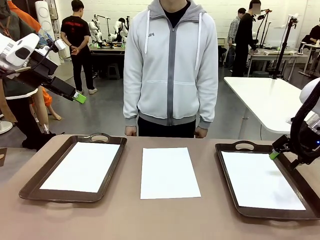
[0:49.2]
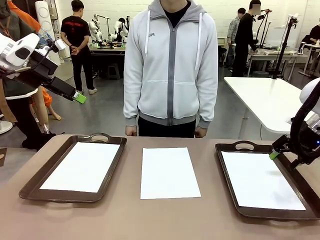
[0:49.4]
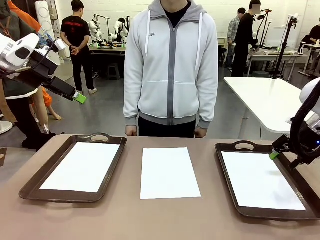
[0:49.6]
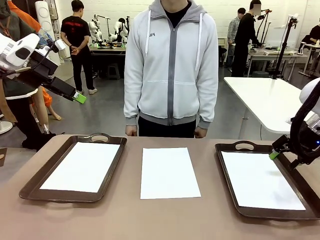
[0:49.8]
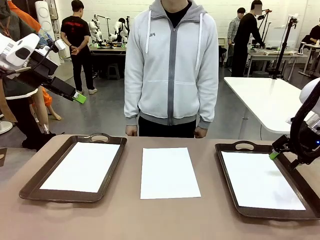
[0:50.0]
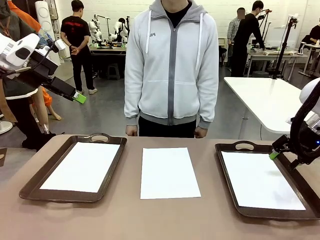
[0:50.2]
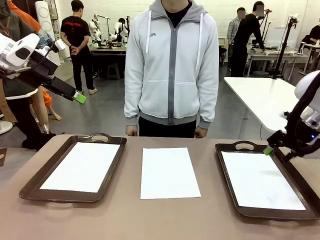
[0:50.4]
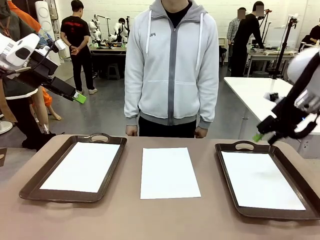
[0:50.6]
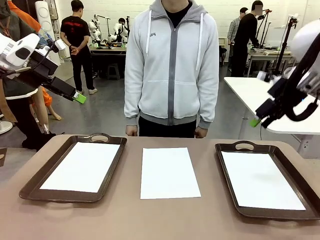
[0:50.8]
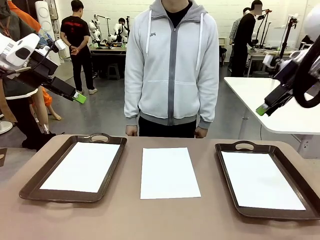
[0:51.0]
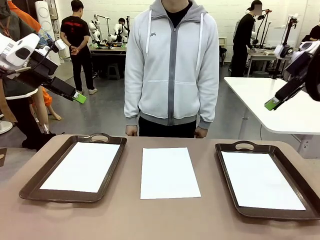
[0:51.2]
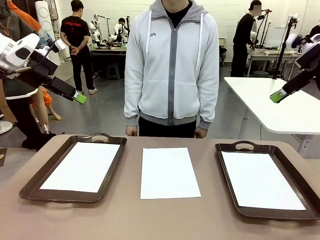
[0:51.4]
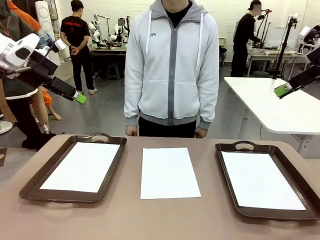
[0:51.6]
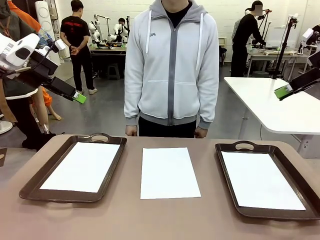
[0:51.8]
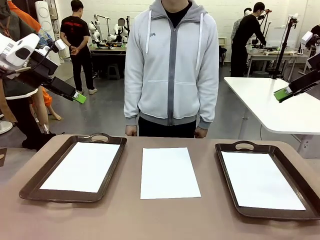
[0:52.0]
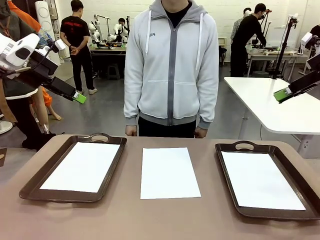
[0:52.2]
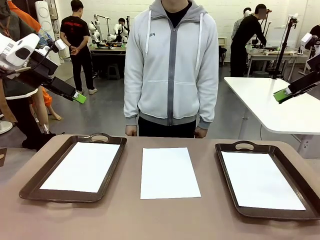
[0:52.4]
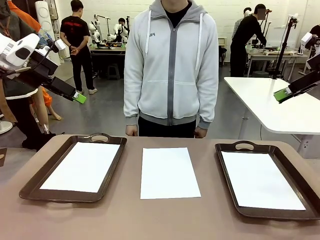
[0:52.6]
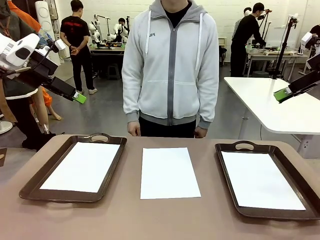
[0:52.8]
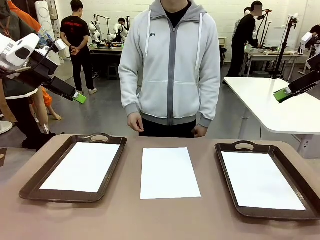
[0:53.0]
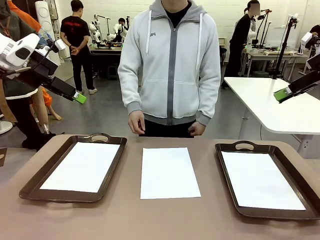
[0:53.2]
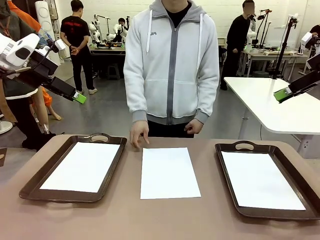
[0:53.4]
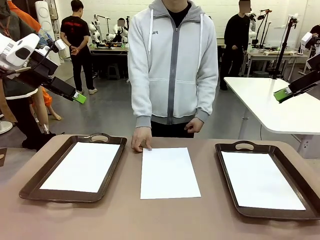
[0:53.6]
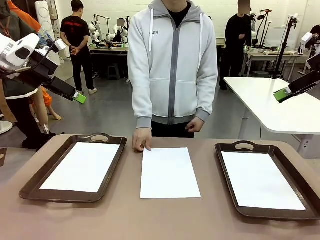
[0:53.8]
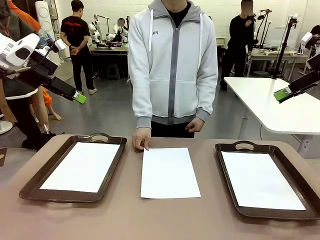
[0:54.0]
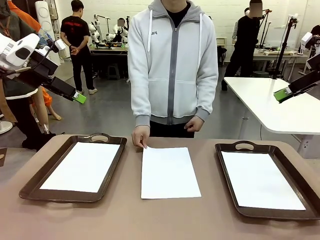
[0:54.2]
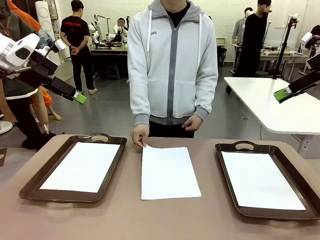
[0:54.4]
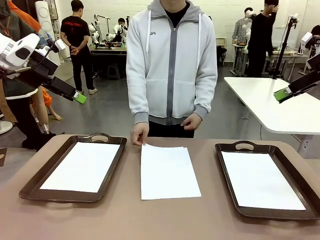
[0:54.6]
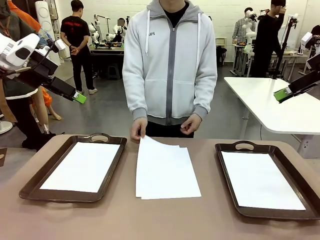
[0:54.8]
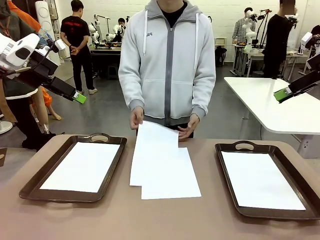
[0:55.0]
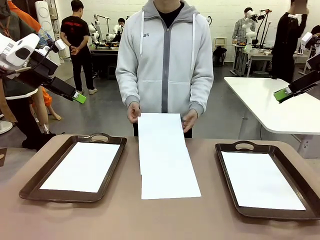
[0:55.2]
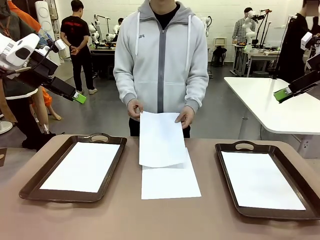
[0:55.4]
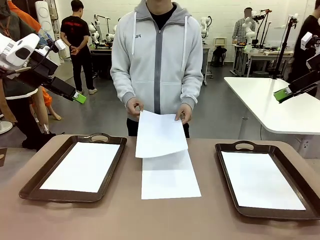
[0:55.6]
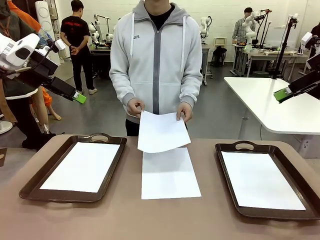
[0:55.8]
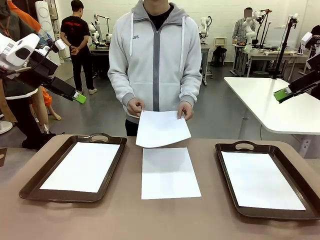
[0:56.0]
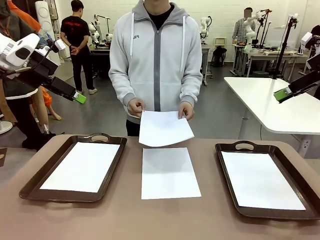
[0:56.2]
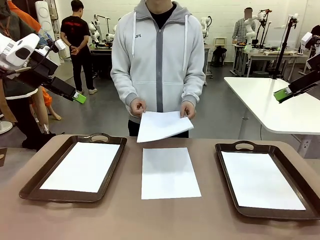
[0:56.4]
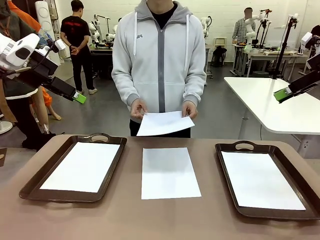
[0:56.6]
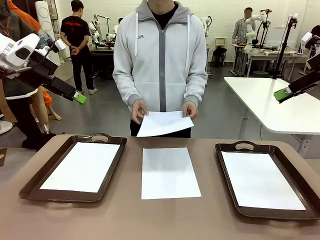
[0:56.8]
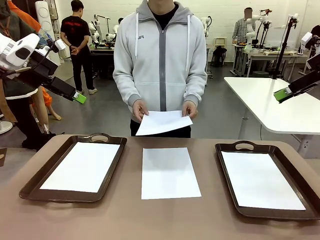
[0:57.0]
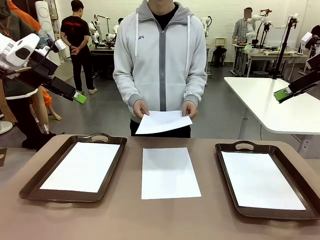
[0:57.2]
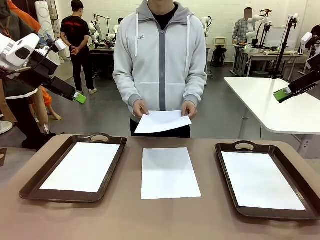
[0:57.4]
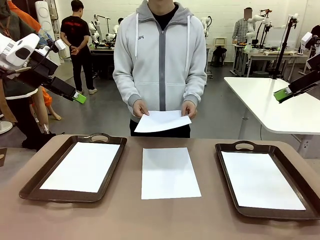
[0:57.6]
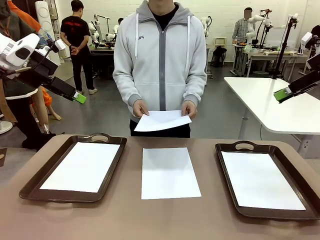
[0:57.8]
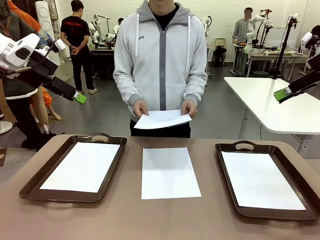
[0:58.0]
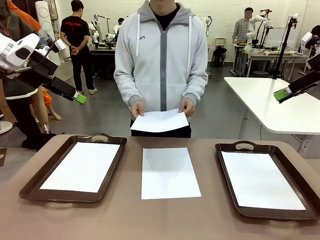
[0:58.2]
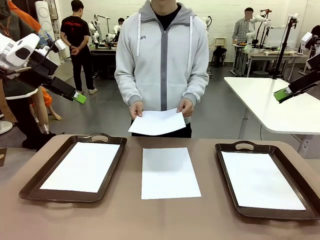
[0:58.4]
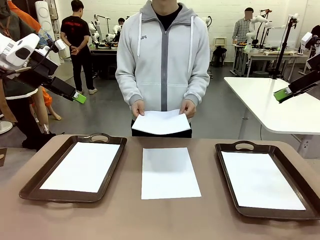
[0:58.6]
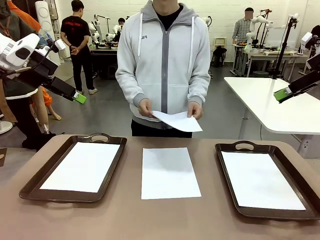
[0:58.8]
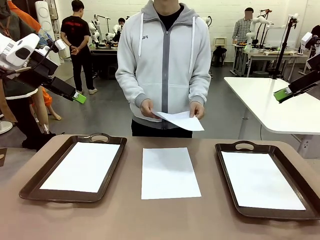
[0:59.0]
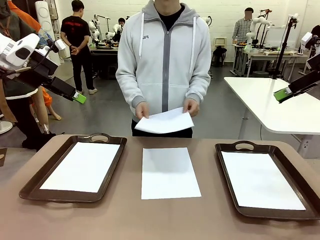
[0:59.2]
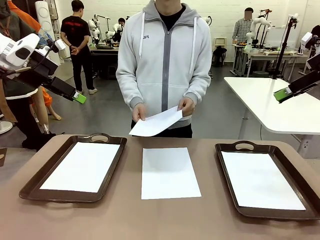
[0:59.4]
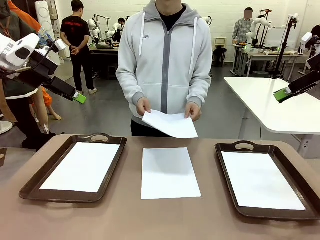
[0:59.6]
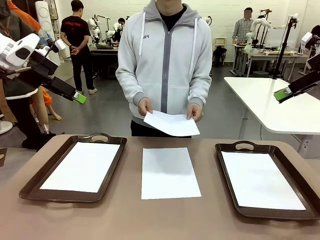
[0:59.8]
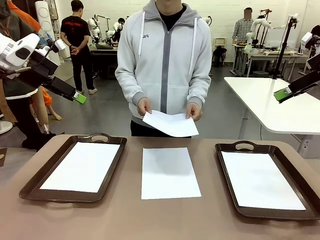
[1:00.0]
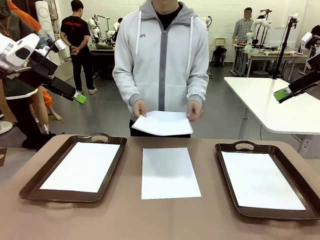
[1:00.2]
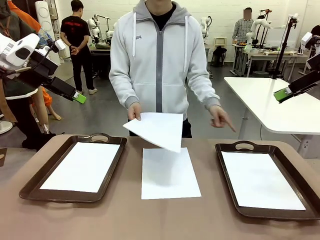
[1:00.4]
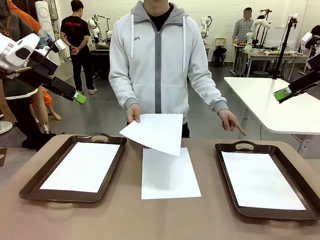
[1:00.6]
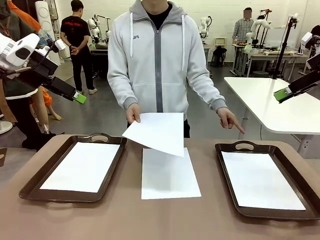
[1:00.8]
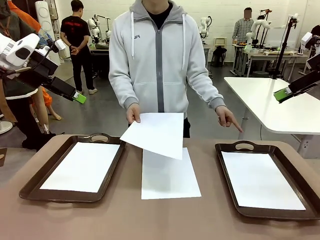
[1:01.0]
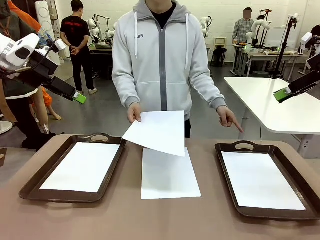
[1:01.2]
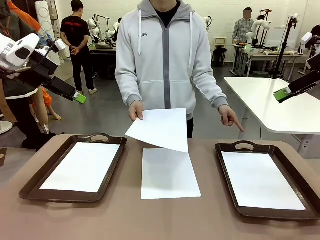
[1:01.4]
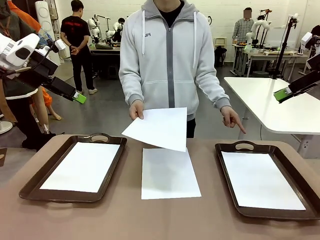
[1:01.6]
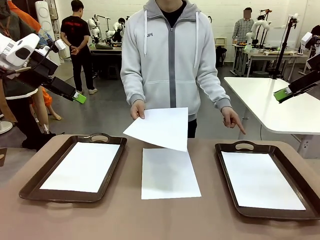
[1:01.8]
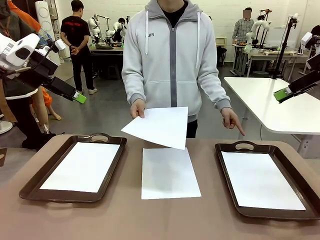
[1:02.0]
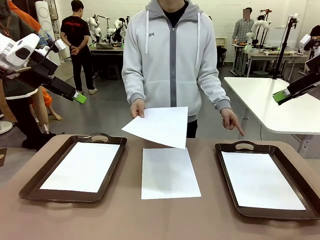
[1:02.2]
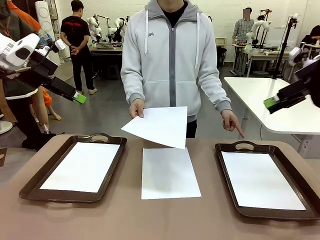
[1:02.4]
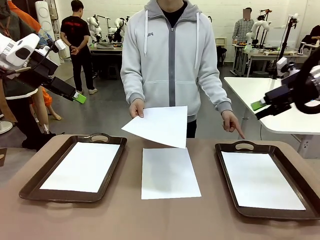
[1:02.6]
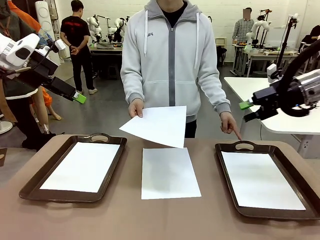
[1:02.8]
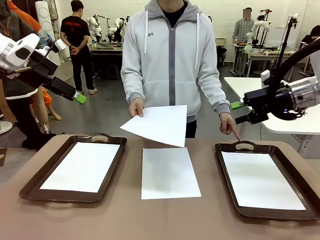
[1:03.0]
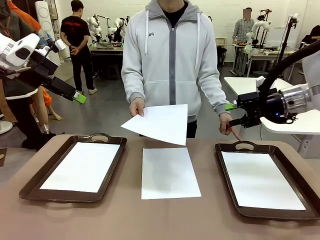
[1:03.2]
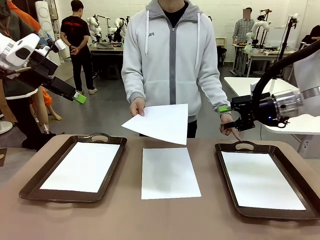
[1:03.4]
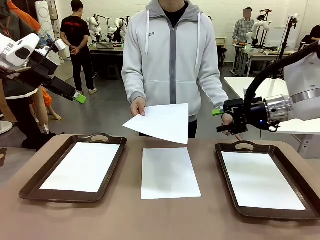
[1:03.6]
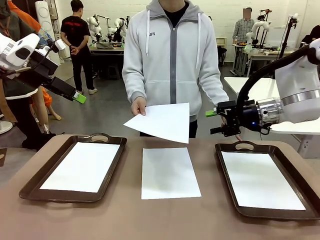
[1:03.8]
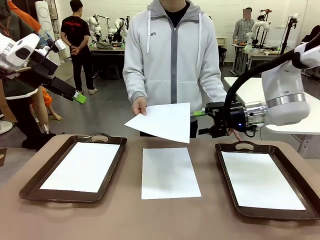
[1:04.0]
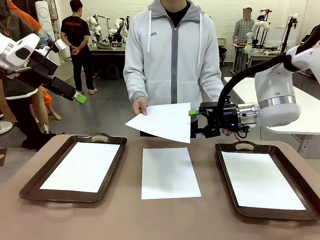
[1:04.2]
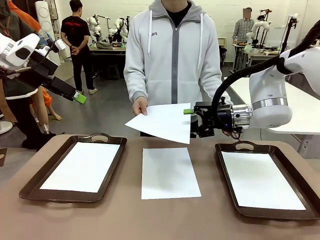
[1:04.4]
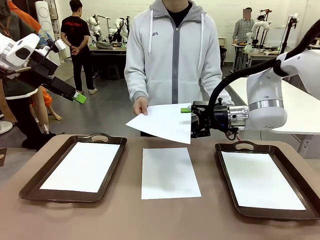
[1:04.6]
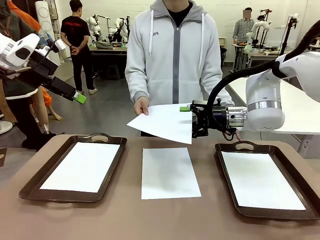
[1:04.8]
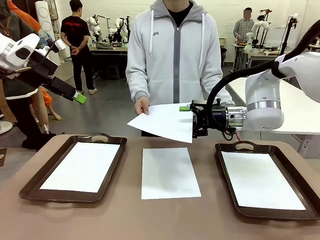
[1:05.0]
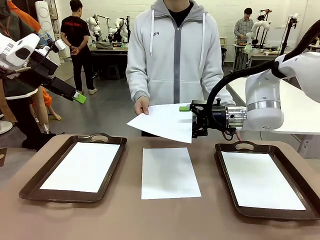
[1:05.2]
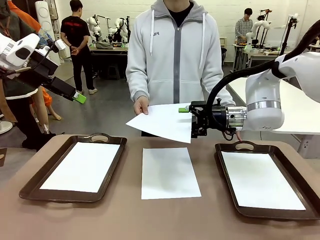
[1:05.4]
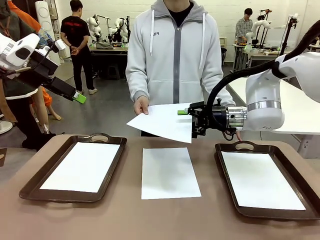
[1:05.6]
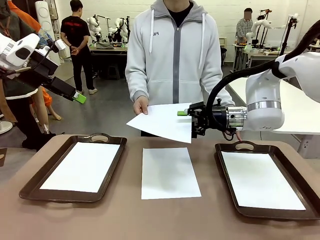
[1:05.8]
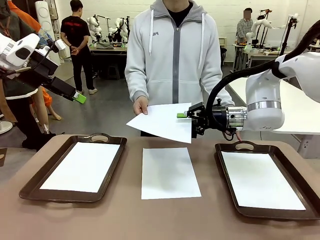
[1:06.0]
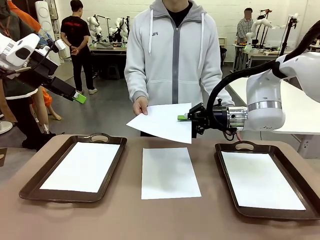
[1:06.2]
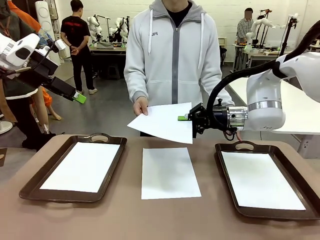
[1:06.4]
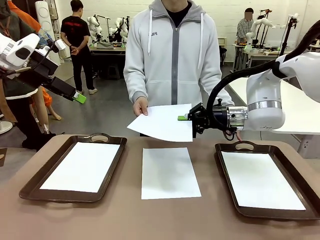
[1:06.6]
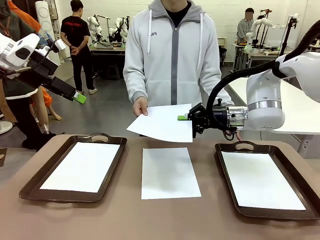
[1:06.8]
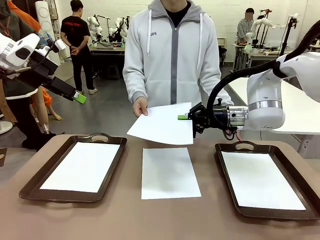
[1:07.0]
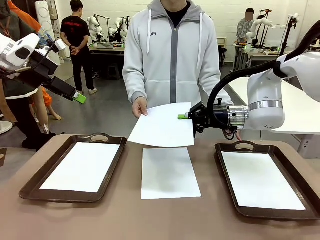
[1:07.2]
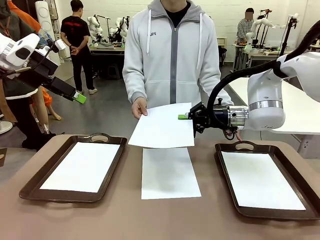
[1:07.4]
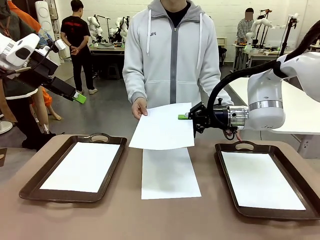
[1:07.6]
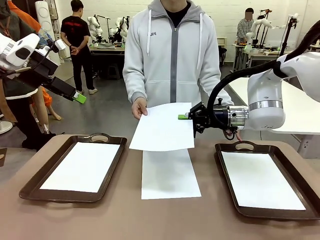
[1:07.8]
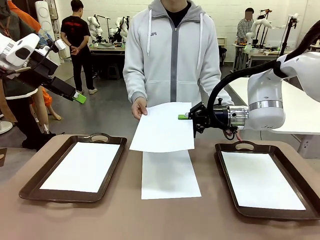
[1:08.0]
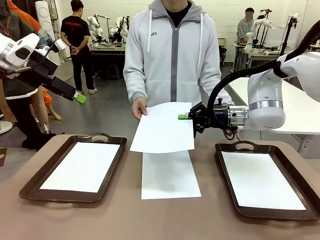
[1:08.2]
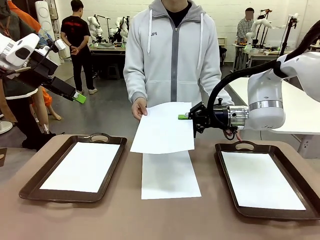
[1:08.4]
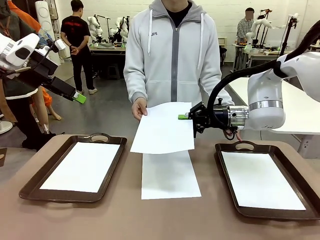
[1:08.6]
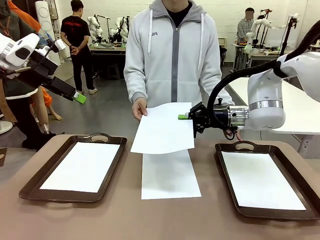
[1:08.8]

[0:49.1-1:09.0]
Task: Sort the A4 documents.
Robot: Receive the A4 Paper.
Person: Point the randomly selected tray with the other hand.
